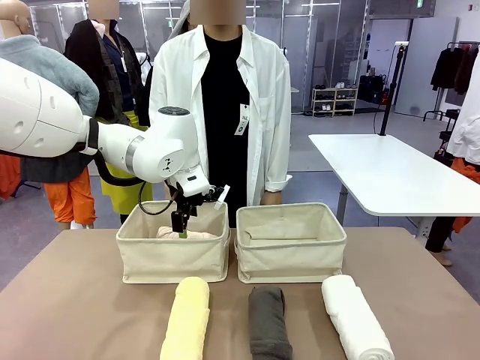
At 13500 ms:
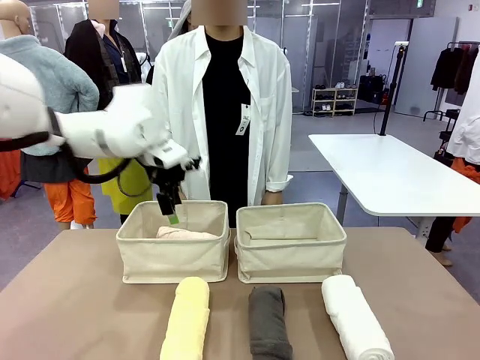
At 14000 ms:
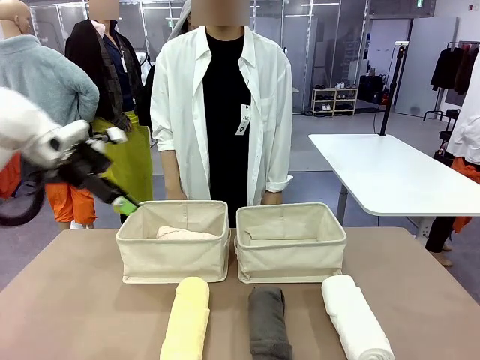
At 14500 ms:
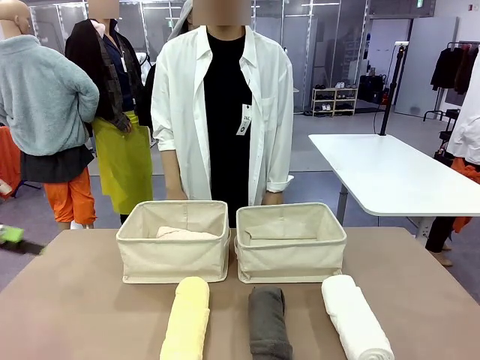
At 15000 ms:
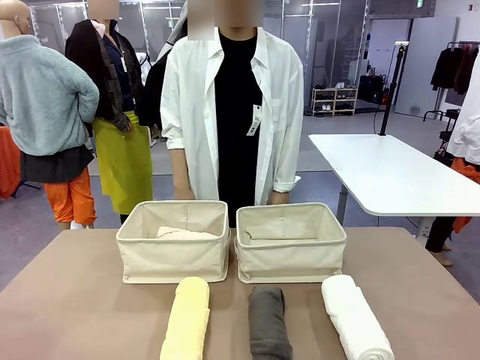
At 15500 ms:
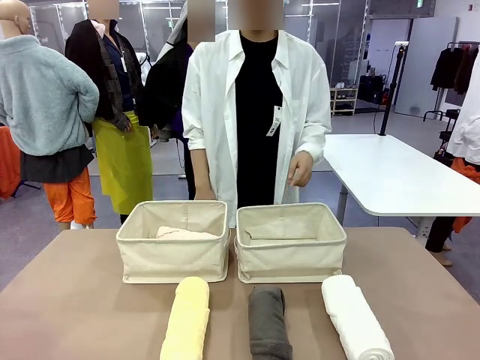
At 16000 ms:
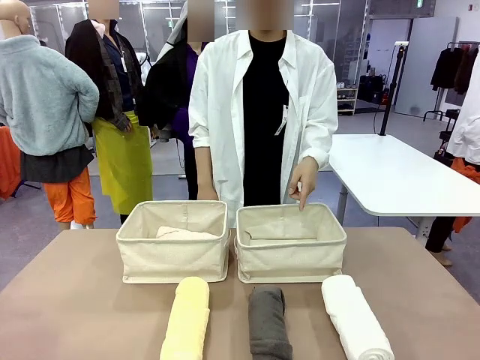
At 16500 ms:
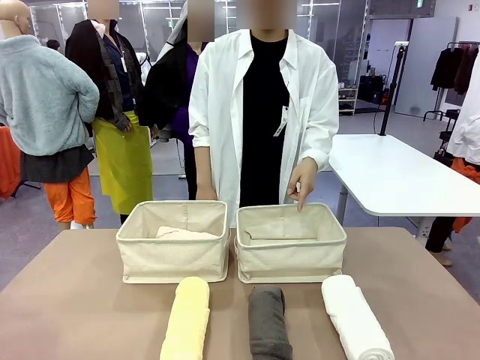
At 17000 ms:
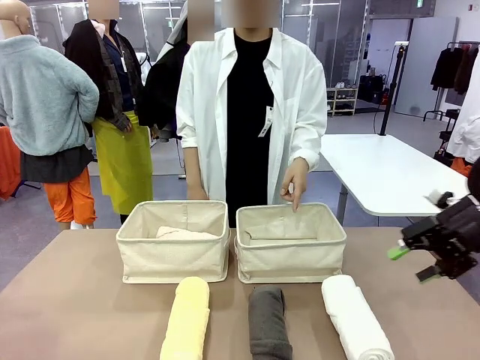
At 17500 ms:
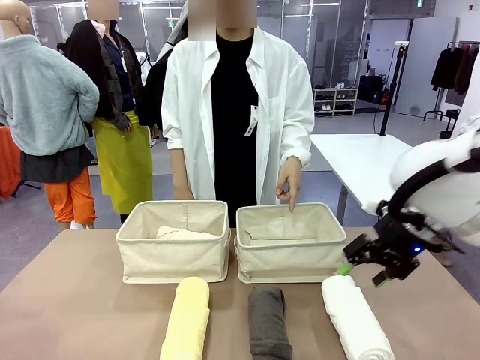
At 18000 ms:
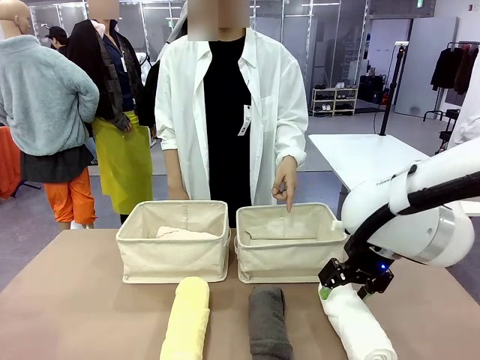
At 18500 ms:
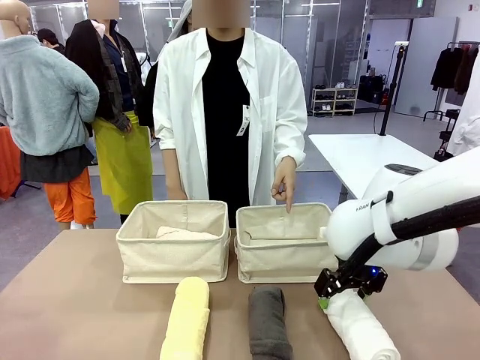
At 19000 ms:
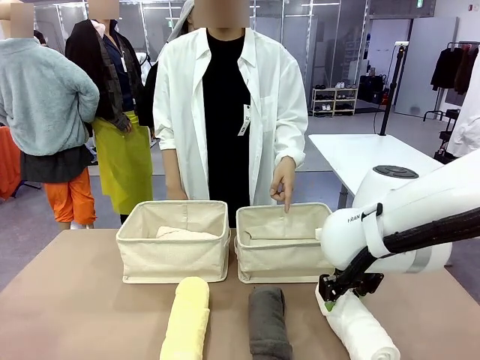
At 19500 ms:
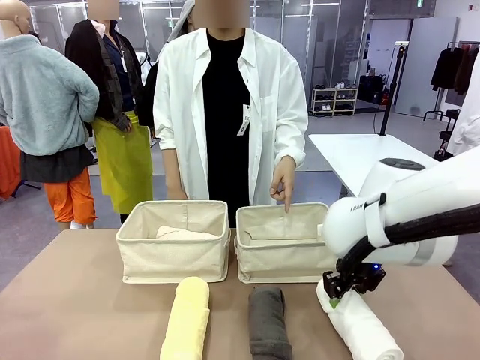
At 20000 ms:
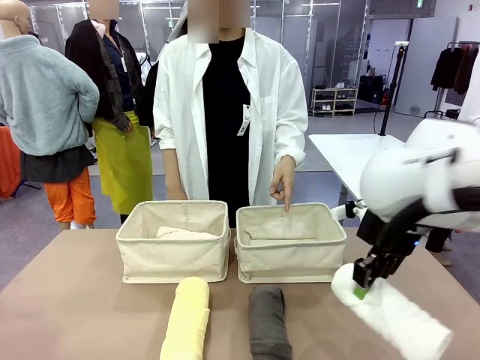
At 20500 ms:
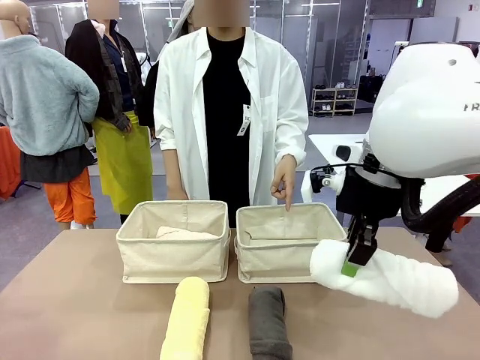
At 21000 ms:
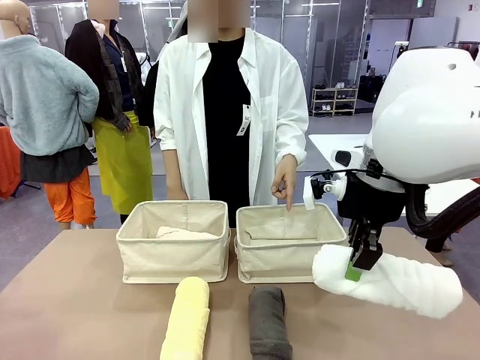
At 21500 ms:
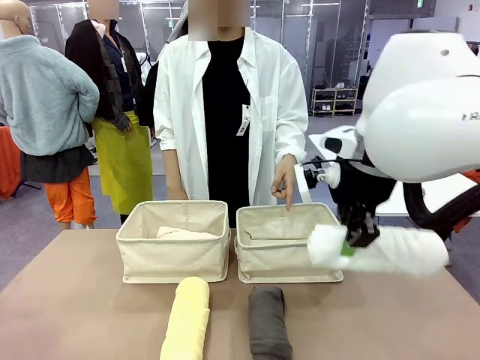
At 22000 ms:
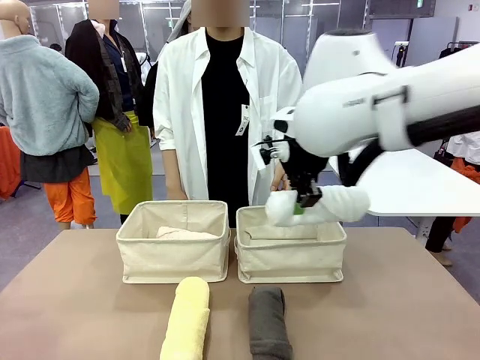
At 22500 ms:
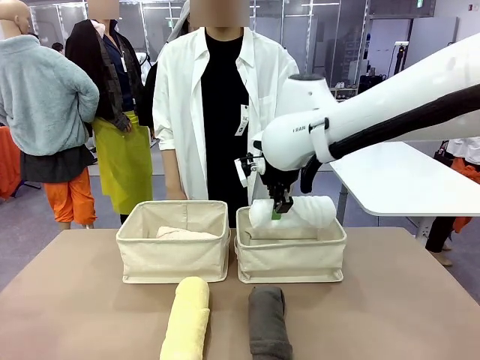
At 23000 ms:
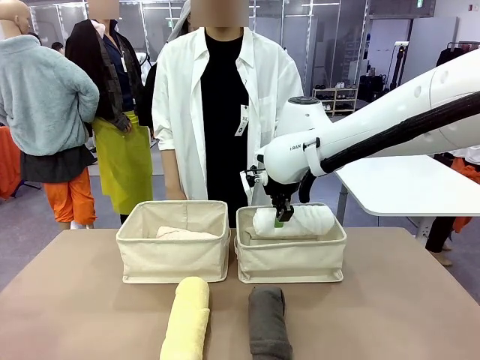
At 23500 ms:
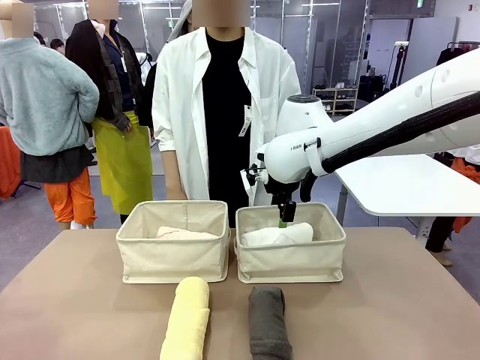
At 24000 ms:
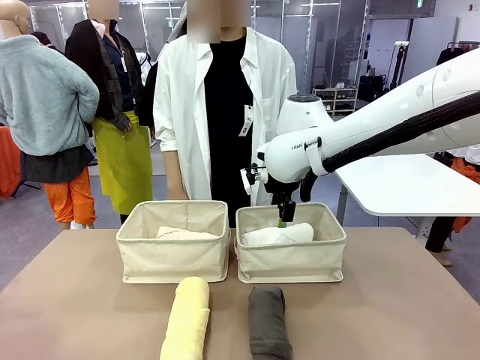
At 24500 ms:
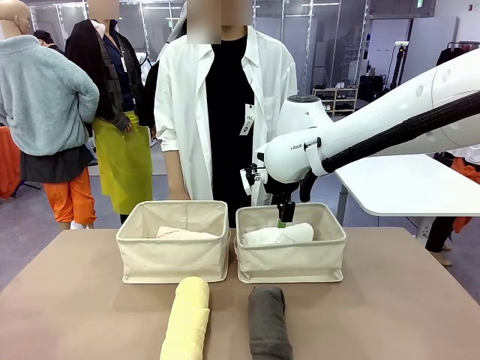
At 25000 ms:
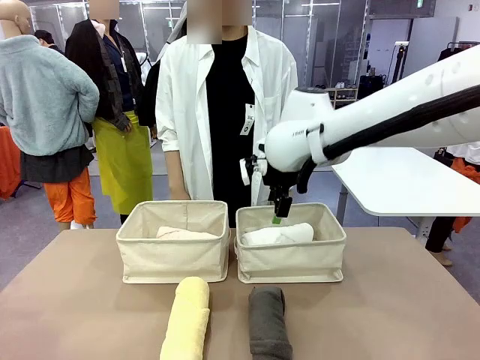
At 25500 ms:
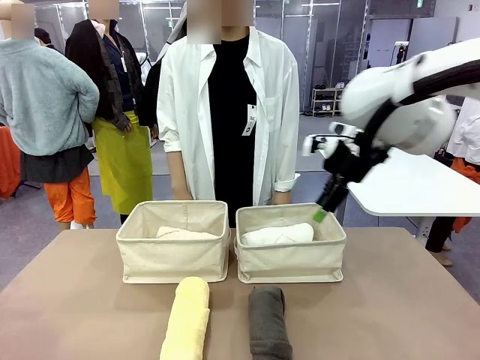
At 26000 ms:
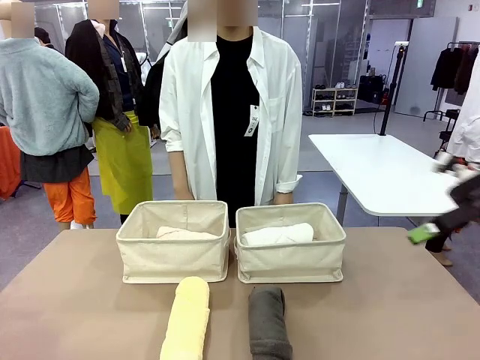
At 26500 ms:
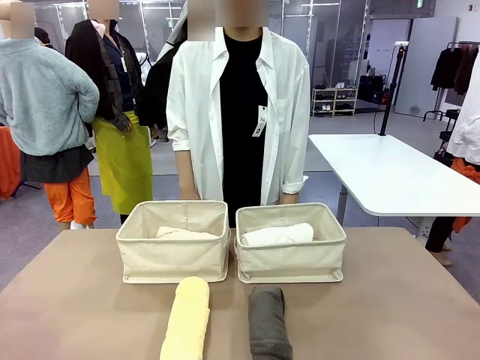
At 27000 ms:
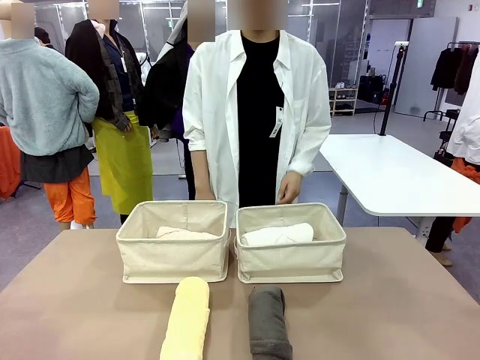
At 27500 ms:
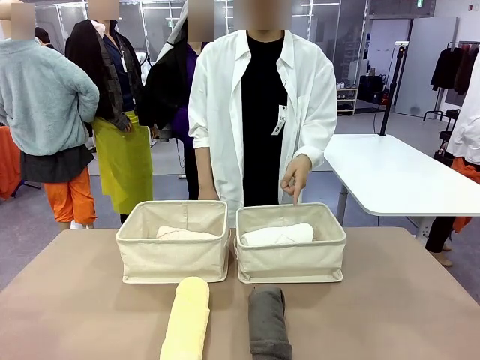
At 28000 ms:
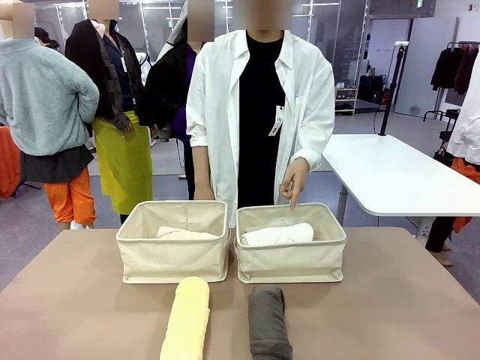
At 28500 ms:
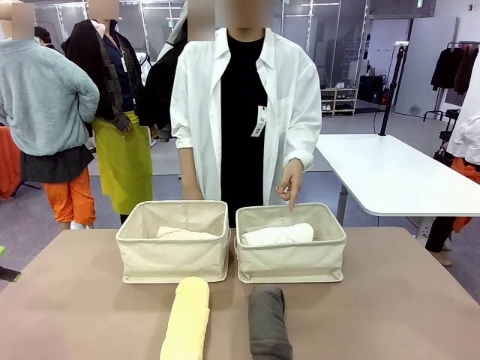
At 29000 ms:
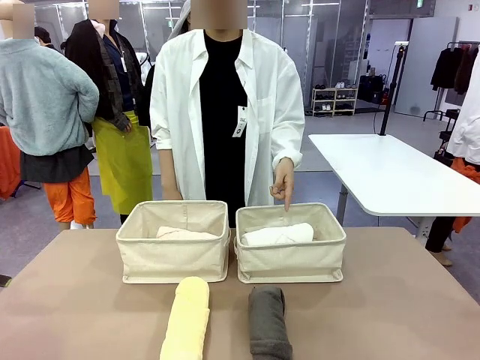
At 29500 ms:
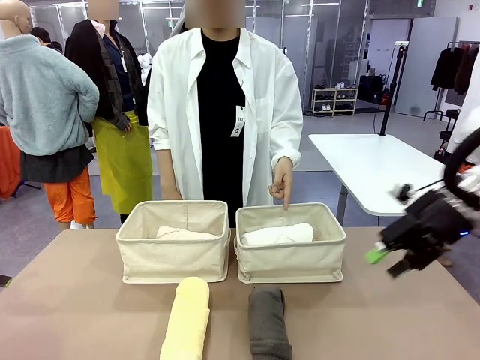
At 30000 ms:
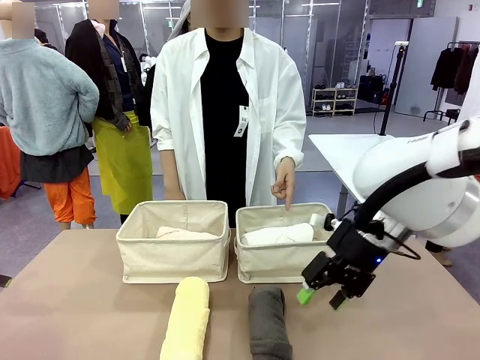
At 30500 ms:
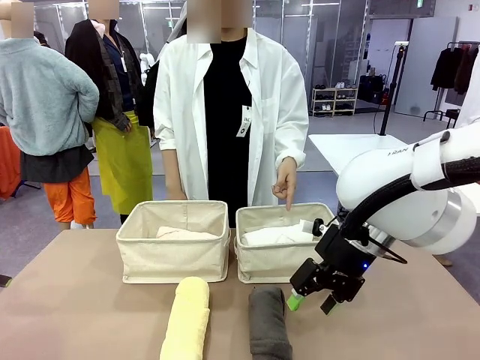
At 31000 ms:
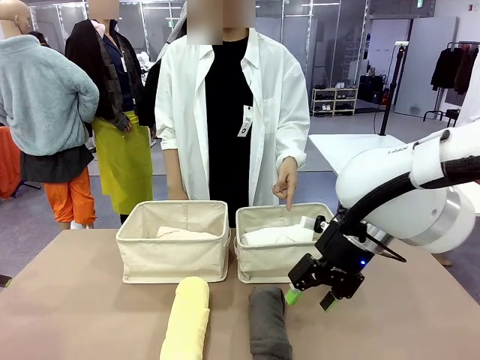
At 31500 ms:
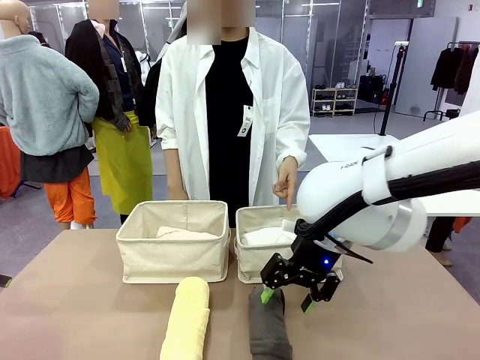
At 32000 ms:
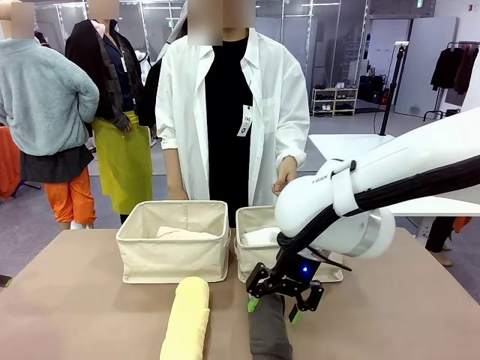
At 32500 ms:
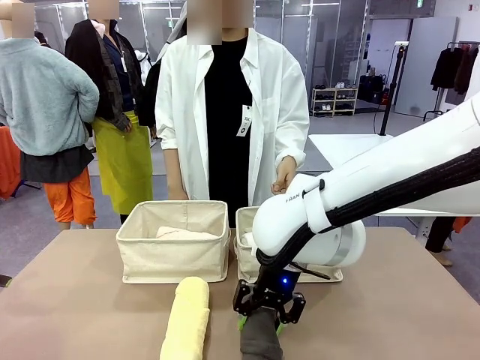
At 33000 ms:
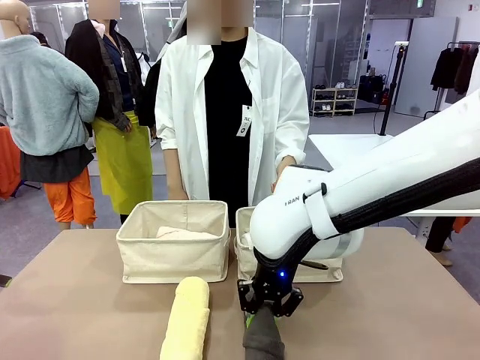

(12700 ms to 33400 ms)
Task: Divide the towels into two baskets.
Robot: Pick up one hotel-folded towel from the bottom of the table and place it in the Fabric basket indicated by the person.
